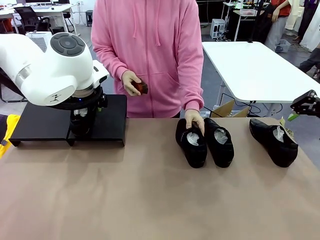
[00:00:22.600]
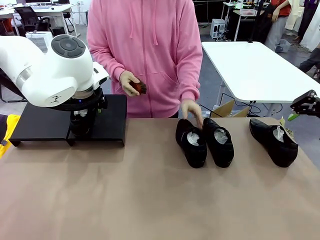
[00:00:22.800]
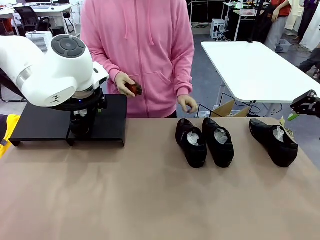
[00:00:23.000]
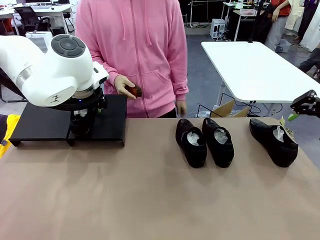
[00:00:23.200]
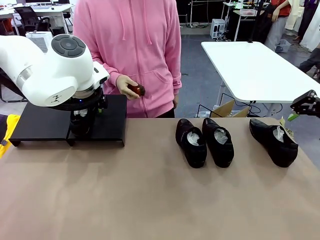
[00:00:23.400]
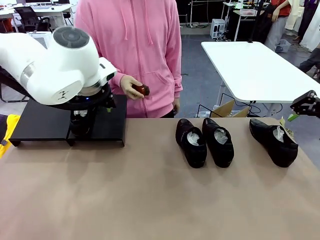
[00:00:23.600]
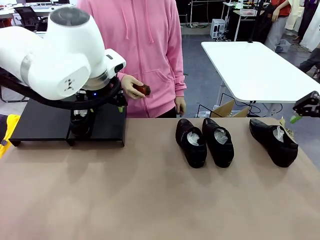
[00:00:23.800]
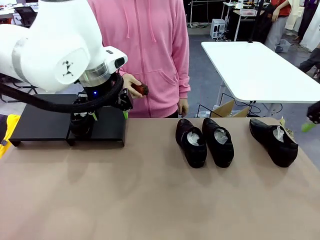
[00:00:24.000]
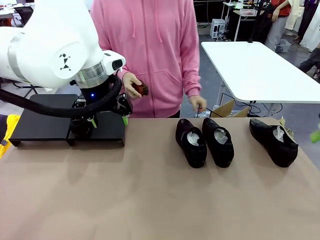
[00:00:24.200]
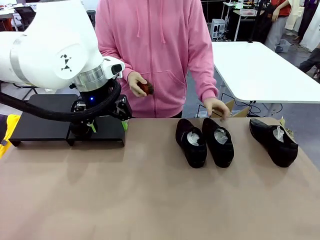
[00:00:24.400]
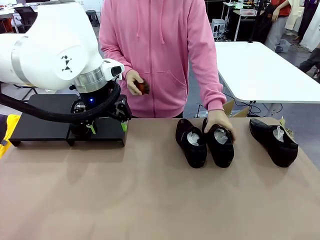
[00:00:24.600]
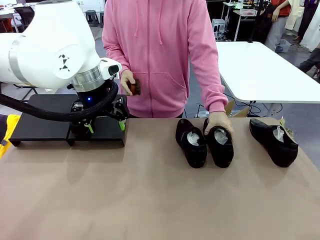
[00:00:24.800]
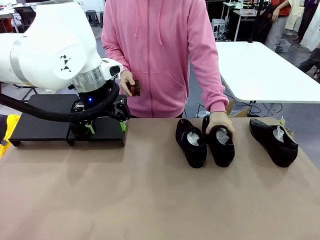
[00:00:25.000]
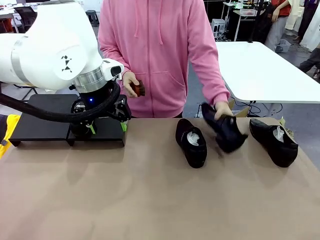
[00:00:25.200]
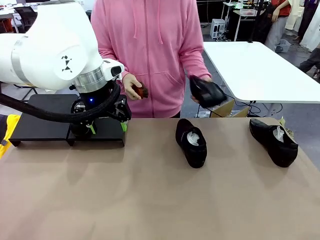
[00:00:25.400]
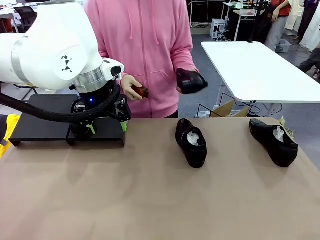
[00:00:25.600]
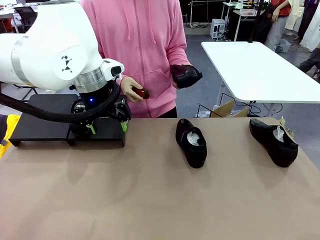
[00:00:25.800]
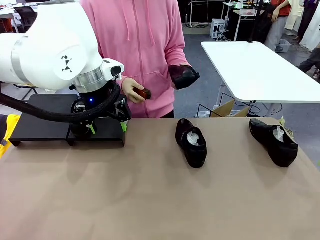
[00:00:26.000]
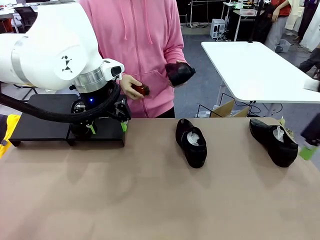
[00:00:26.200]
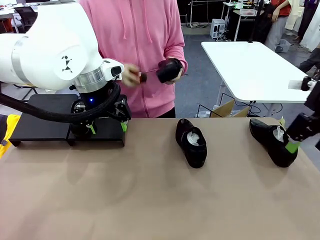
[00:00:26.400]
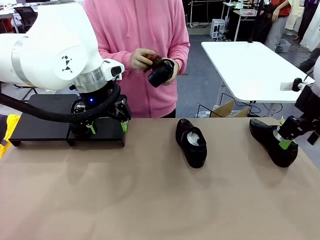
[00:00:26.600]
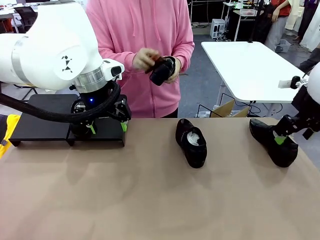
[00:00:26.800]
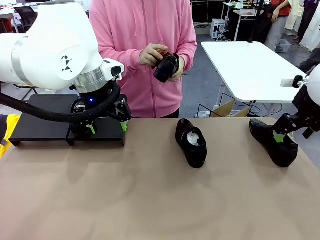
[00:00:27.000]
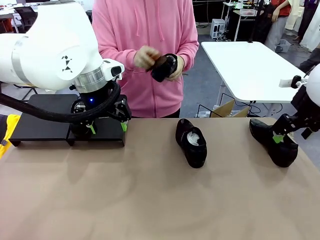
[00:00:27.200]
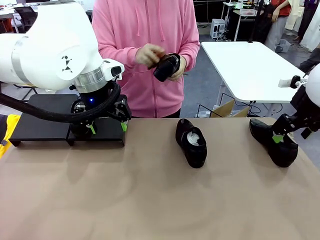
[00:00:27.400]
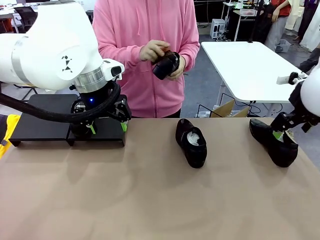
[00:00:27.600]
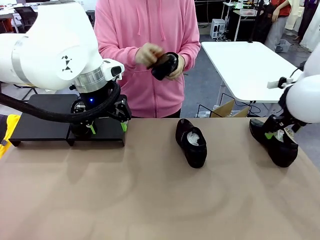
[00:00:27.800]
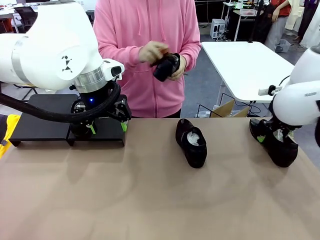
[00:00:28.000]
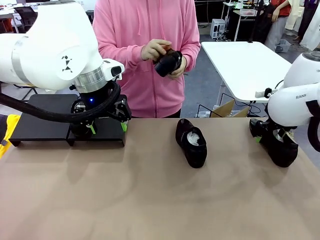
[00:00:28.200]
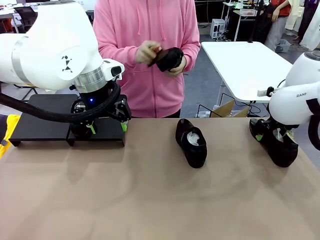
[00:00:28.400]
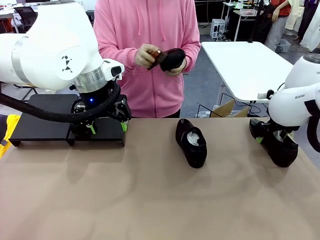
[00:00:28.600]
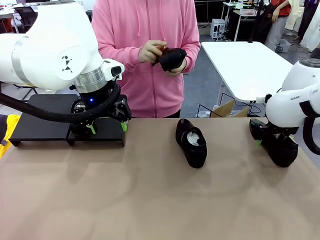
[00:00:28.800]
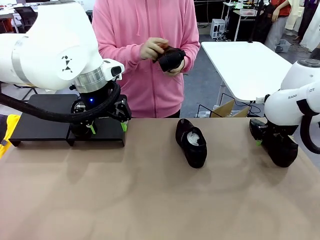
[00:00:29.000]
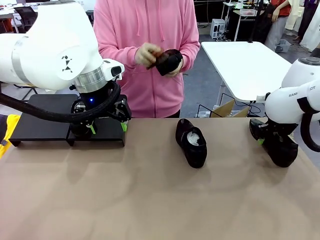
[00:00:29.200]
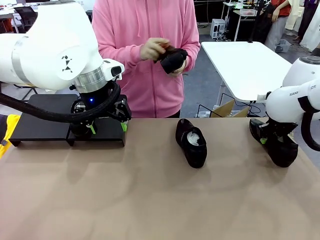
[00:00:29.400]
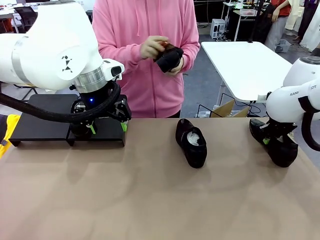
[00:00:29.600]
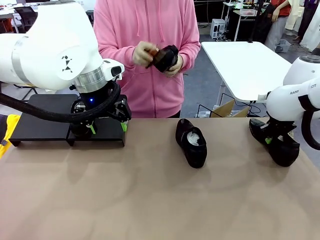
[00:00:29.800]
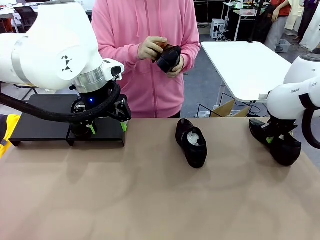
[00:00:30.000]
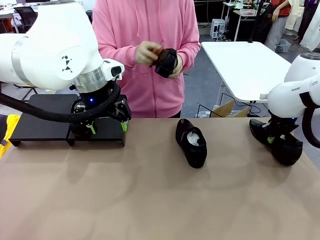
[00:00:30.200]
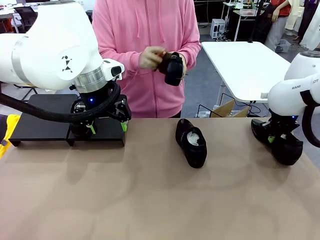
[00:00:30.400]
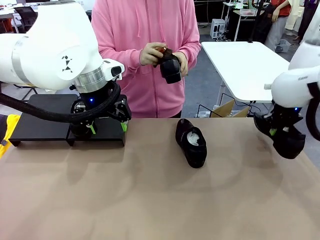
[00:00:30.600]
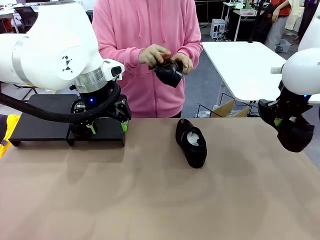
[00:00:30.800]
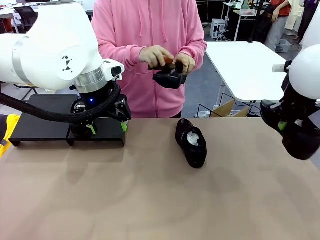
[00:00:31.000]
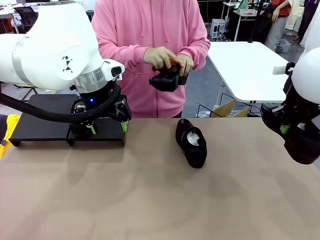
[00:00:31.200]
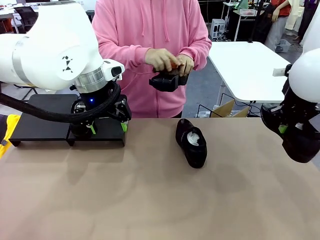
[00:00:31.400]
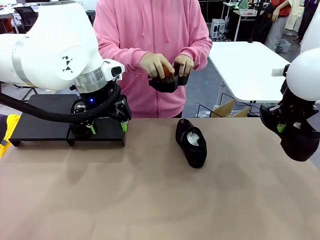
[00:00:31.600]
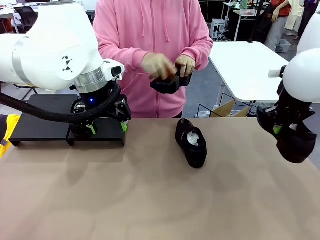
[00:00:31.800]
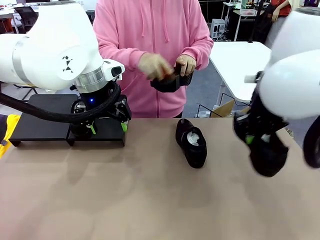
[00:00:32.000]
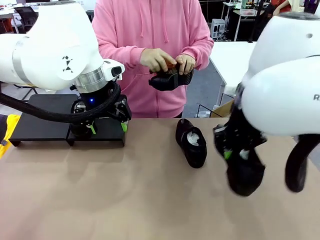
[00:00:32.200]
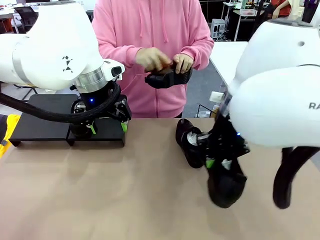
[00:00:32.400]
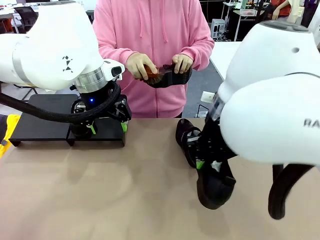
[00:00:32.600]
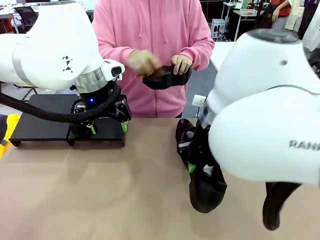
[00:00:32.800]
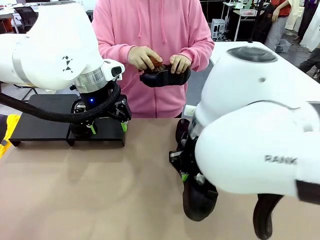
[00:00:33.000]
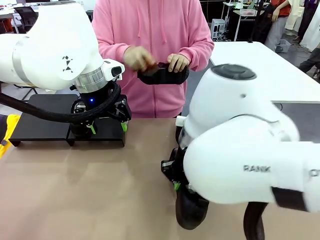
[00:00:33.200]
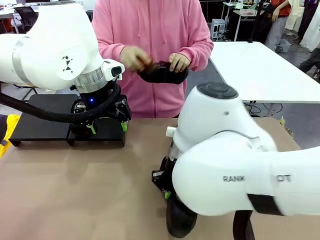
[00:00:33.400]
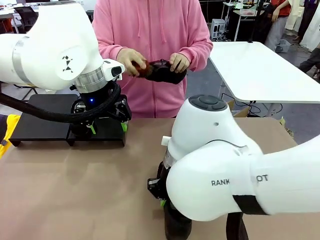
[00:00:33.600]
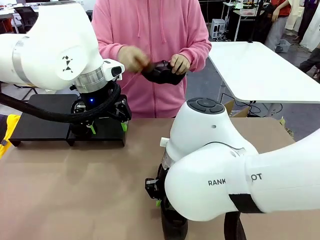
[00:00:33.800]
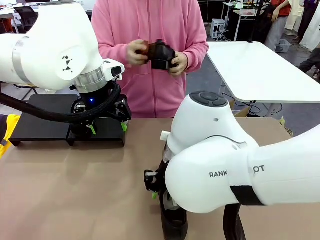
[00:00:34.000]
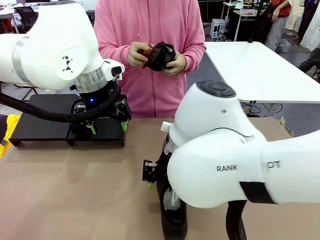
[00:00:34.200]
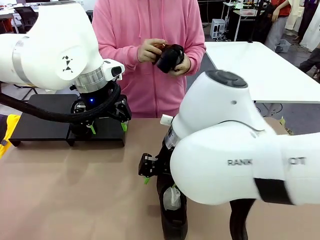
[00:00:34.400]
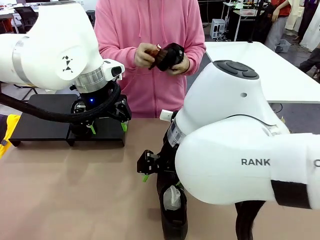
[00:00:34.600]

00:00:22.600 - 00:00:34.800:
Task: Organize the shoes by placing them on the stand.
Robot: Pick up one Shoe and place it in the middle of the table.
Person: Pick one Shoe on Robot's table. Clean the Shoe with the Shoe Brush.

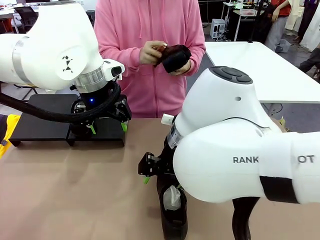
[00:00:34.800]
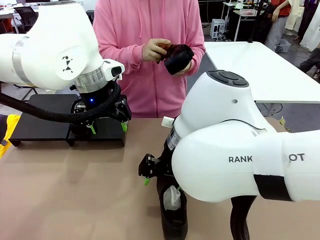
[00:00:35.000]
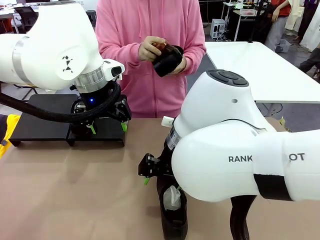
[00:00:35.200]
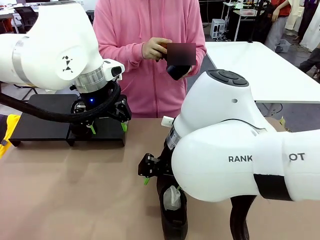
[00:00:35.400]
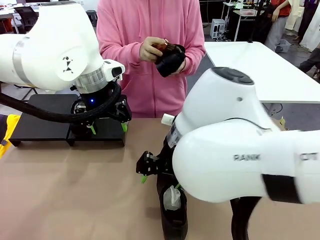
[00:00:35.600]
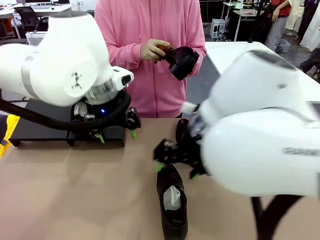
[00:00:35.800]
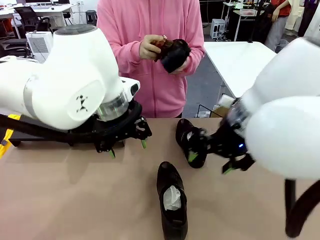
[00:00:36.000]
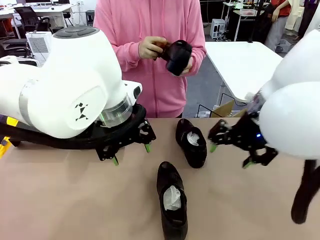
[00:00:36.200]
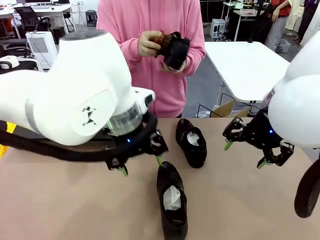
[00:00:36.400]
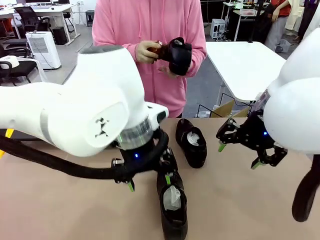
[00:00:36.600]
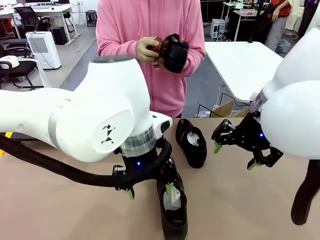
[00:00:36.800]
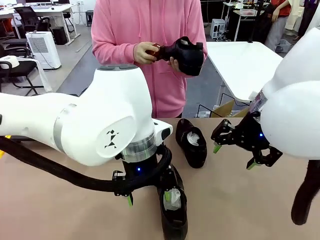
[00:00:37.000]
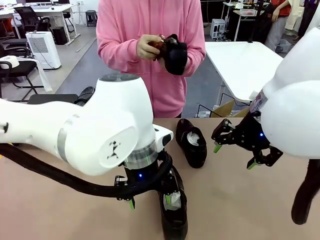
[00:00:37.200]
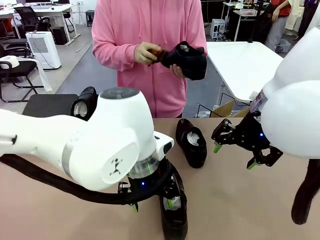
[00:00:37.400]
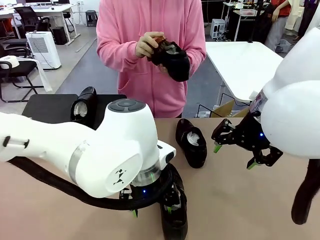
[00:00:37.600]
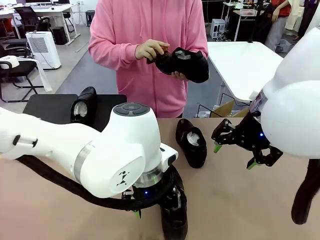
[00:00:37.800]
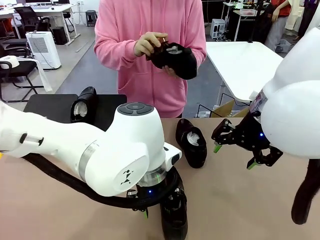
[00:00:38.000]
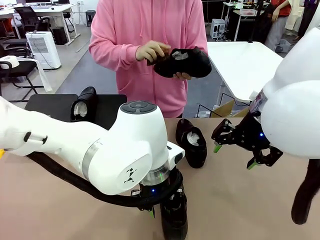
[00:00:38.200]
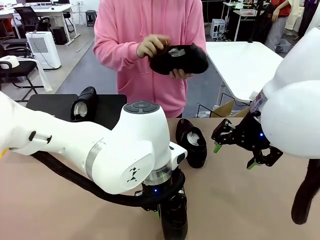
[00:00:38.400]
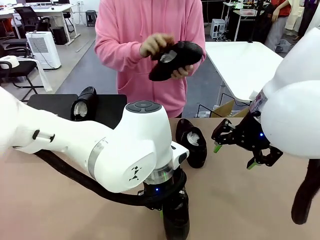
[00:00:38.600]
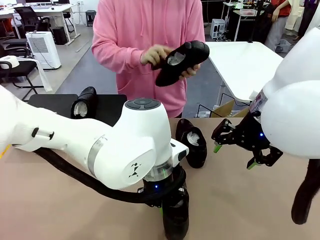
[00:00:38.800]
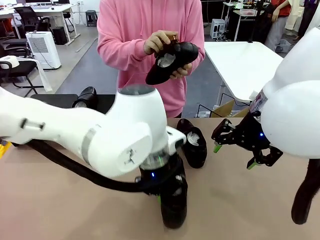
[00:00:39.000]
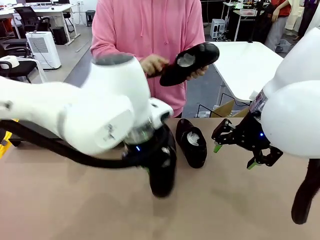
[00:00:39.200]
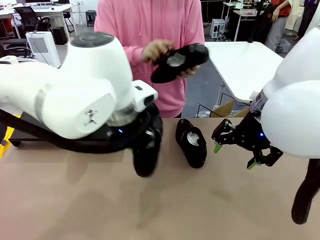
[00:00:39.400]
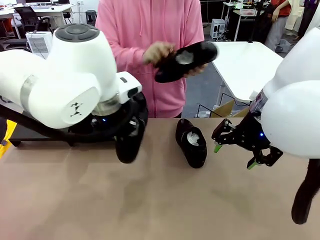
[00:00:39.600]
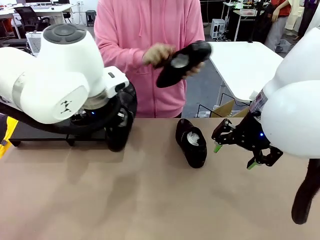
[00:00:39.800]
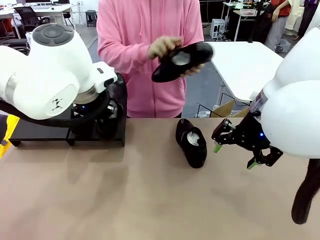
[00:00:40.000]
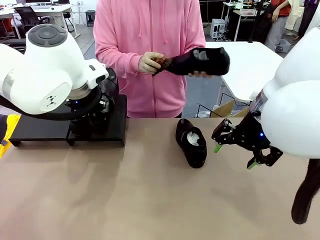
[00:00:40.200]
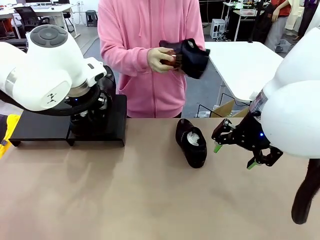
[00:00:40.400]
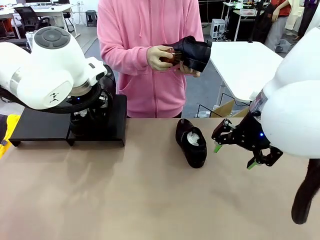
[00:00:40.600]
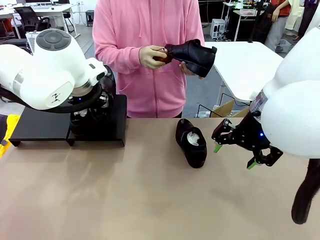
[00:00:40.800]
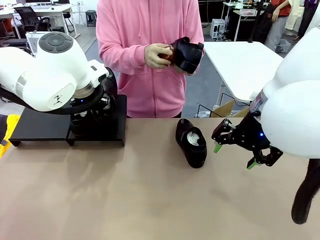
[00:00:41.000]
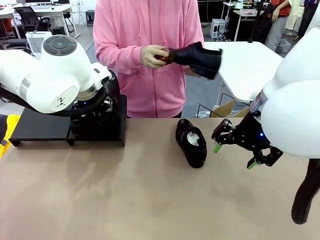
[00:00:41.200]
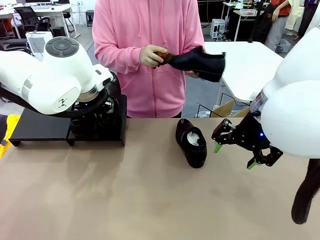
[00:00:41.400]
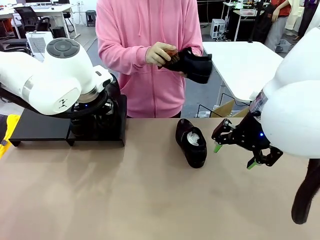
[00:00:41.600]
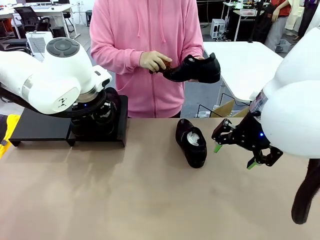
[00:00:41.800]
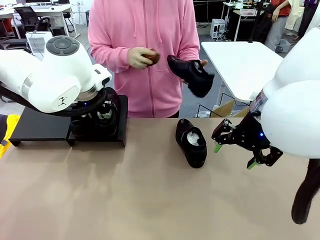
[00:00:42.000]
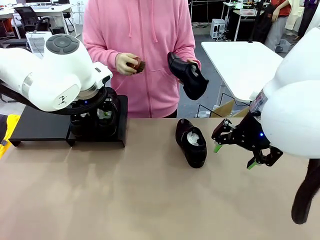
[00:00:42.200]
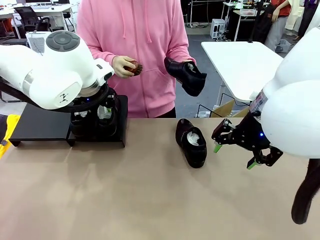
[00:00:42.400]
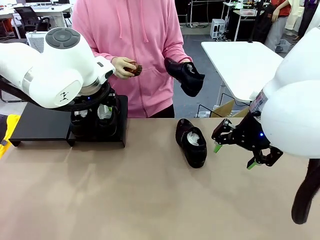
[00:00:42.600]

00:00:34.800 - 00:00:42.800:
Robot: Place the Shoe from the middle of the table onto the Shoes Stand.
